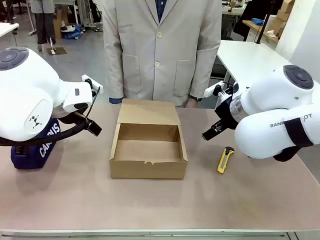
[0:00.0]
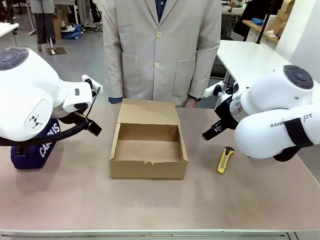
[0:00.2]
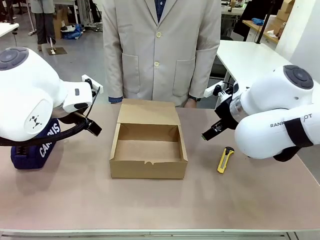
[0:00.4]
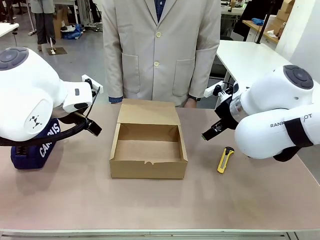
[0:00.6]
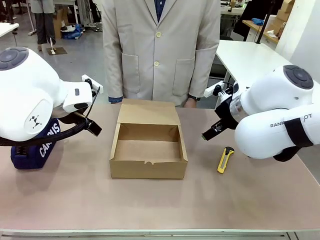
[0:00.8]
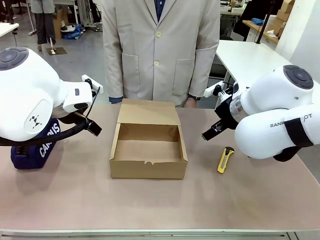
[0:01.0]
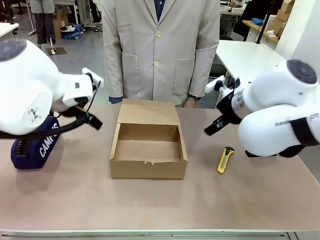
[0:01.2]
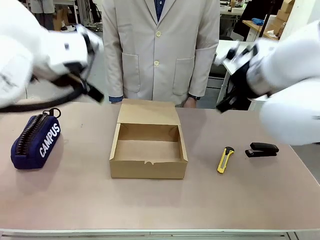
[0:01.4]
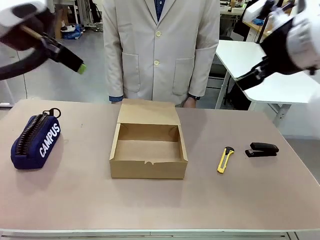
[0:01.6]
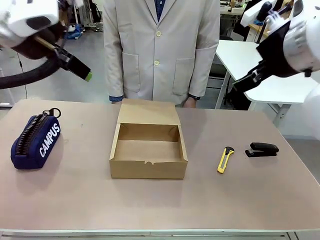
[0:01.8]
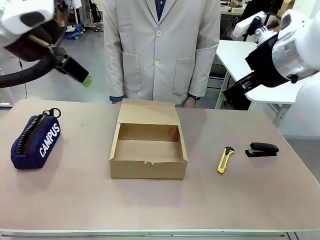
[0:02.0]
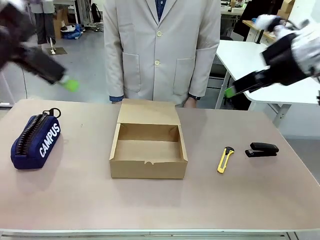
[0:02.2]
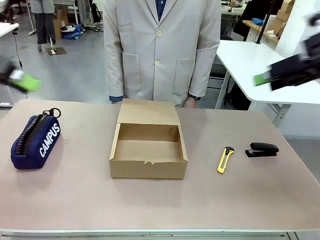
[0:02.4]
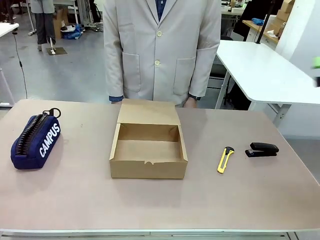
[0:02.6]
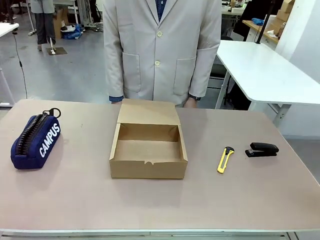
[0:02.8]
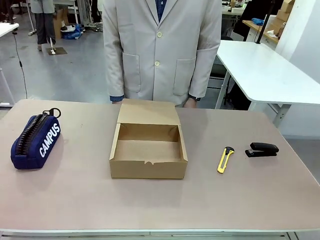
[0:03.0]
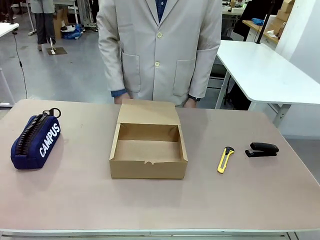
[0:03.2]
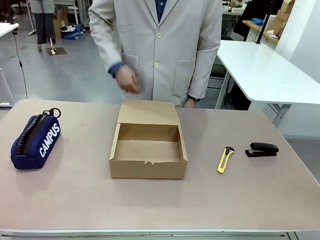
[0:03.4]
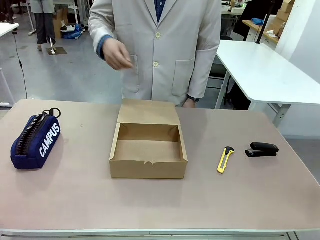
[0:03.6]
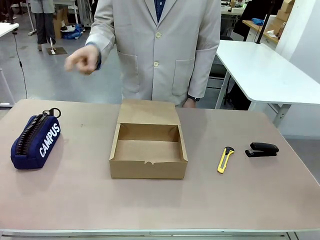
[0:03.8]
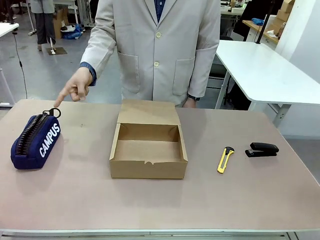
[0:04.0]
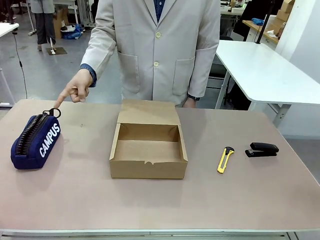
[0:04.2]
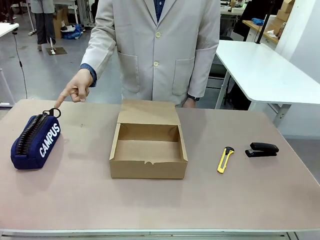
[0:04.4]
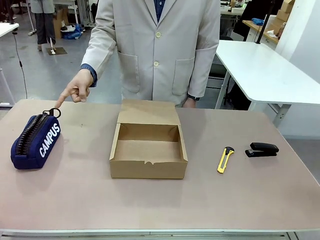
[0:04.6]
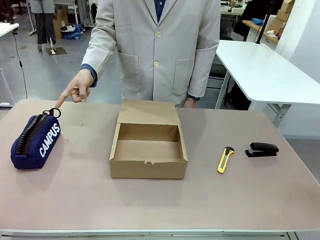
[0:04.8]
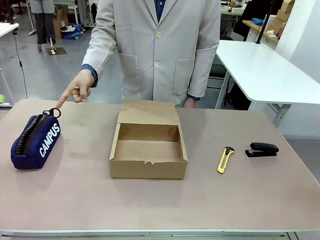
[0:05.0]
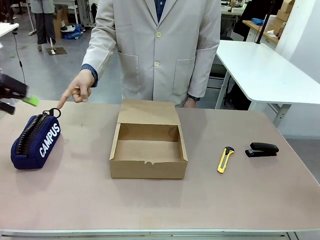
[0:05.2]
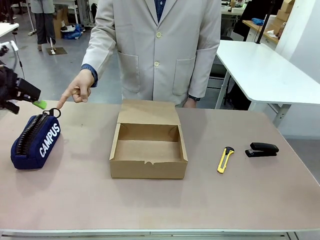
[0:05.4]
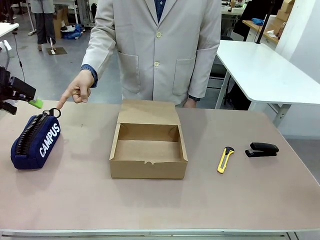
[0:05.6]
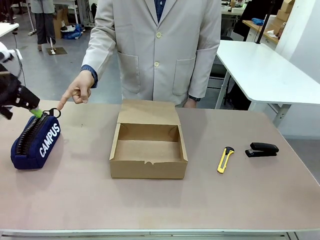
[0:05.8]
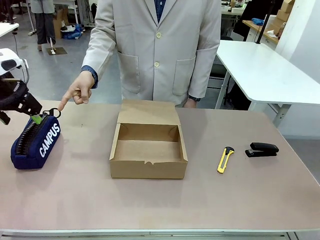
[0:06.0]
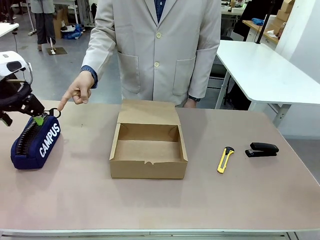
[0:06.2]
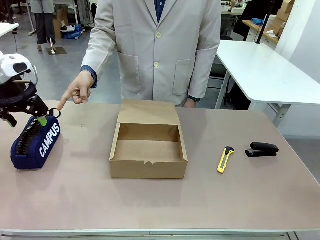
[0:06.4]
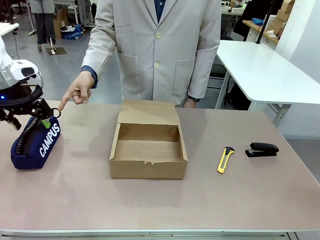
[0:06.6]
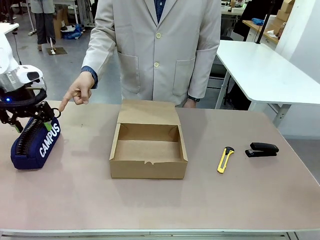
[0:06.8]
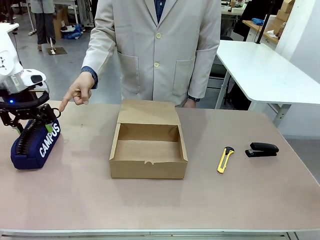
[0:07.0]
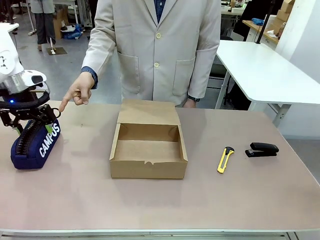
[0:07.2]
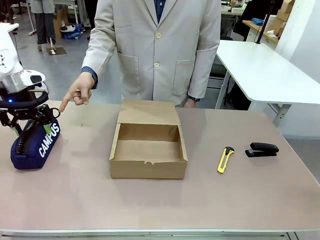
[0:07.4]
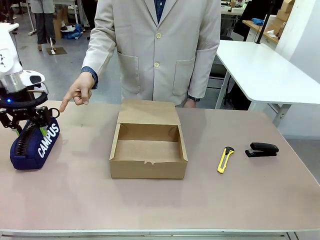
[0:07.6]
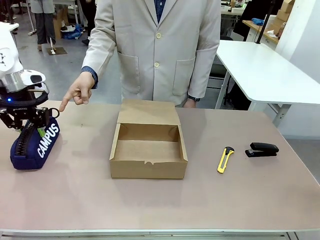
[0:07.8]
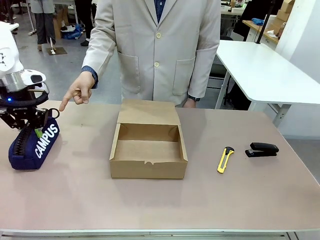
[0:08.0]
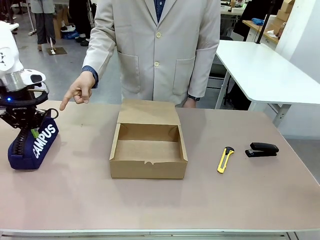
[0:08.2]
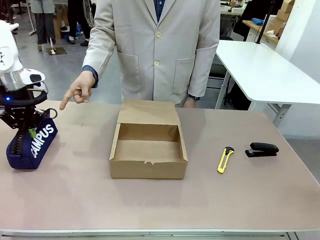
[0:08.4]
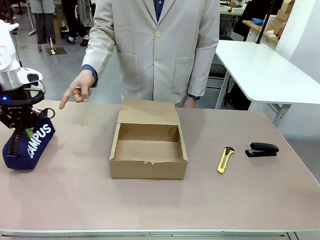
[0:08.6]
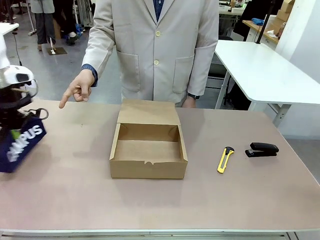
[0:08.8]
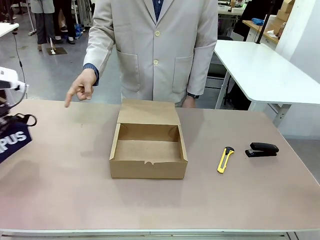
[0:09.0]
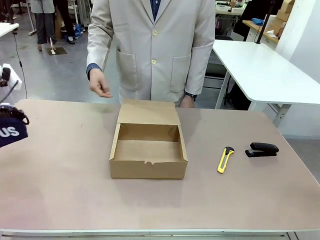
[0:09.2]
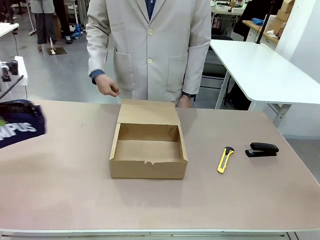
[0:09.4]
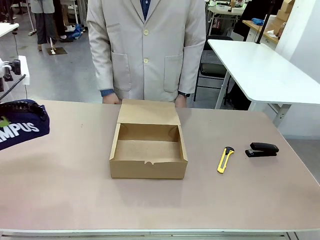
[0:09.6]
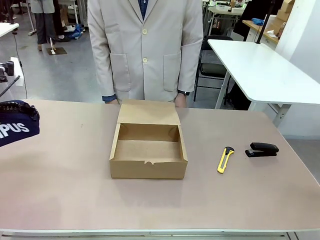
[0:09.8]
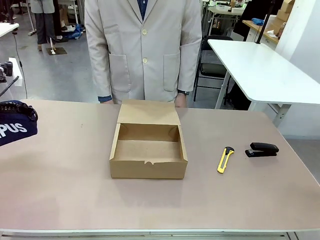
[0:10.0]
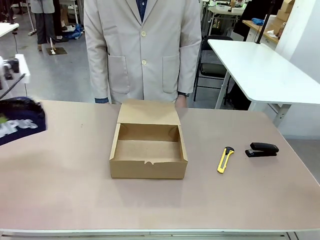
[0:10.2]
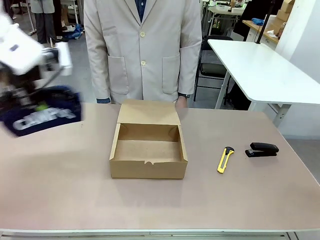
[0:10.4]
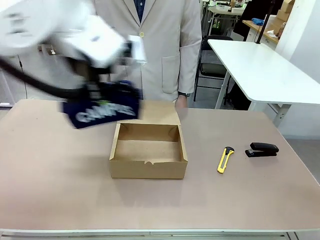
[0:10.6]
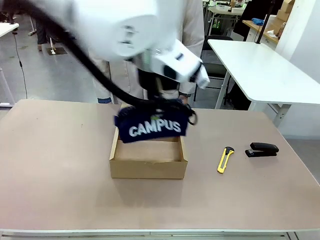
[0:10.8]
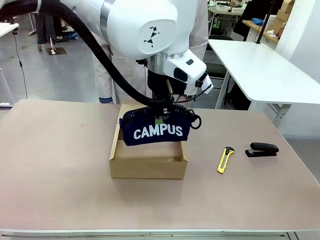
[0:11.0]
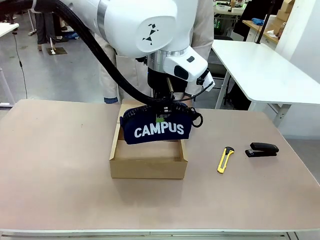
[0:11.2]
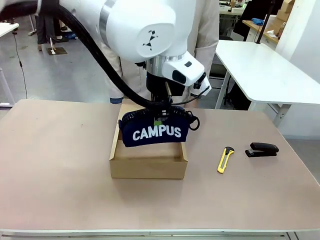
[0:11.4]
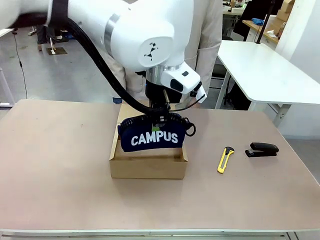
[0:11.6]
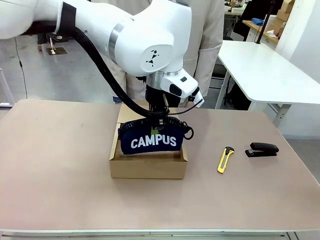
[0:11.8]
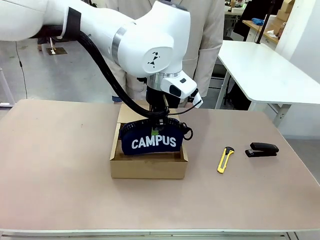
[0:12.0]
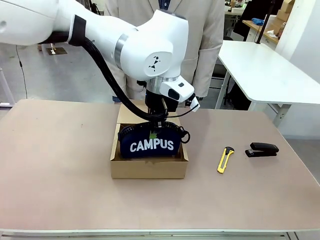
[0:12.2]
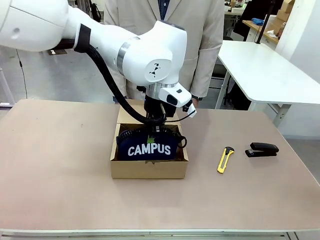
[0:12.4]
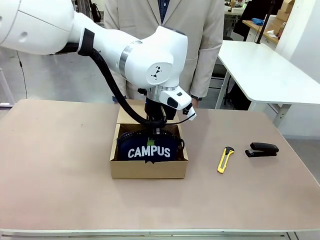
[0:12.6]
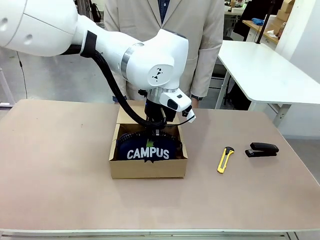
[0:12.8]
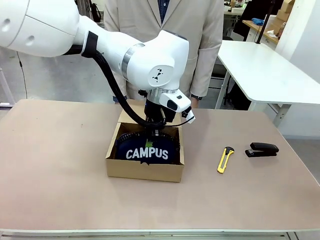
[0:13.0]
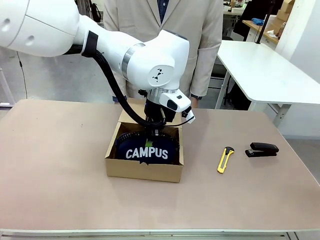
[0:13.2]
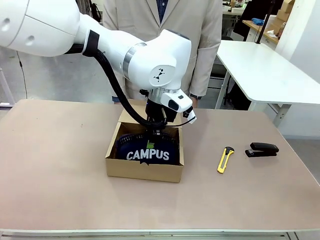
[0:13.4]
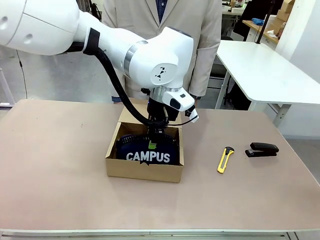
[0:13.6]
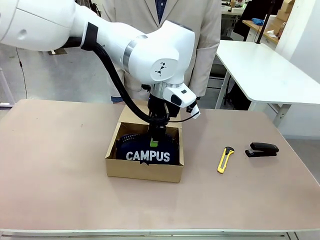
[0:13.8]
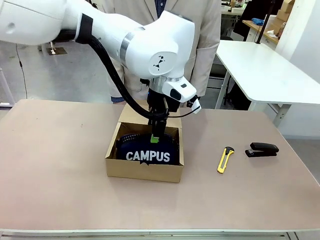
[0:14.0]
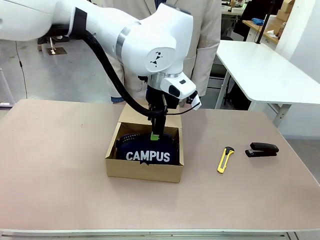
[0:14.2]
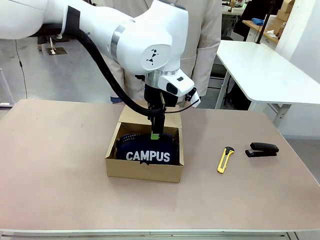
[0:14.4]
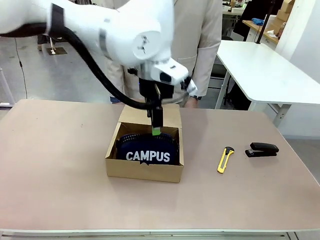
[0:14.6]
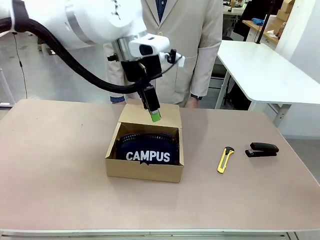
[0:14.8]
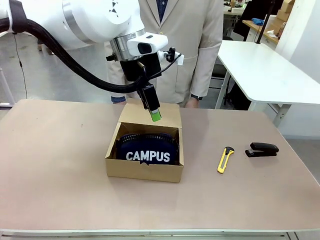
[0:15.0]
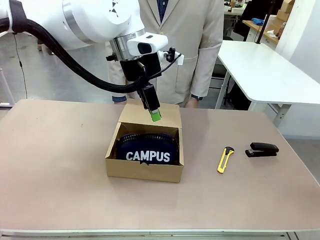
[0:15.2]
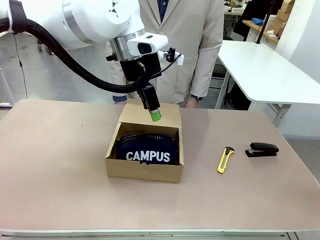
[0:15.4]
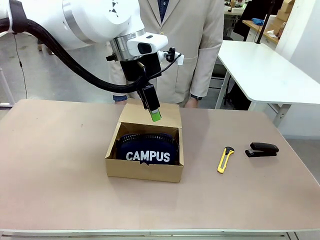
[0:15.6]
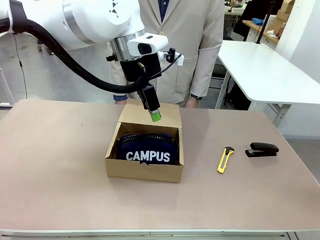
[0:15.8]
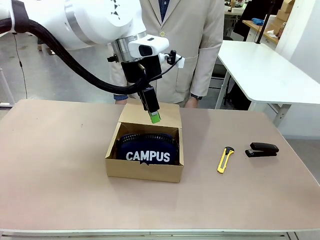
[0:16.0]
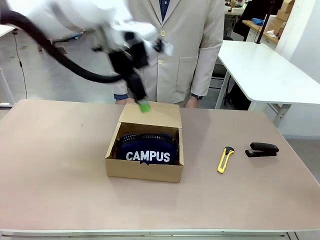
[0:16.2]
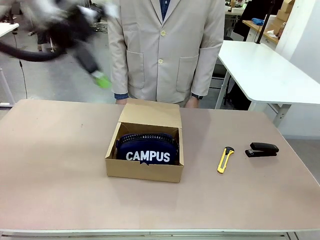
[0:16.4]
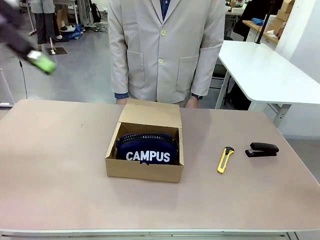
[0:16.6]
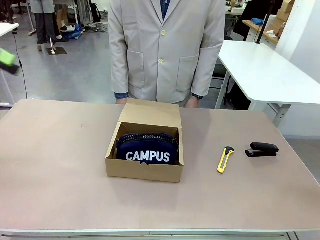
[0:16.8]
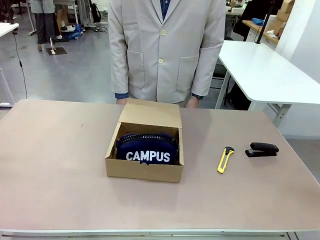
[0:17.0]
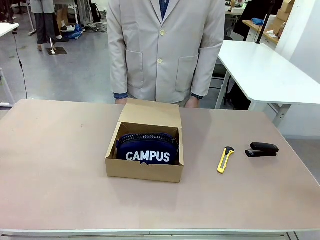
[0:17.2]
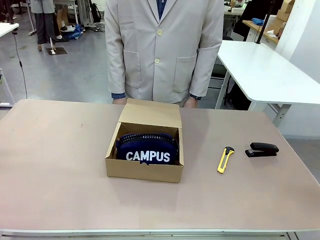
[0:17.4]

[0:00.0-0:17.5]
Task: Pack the item into the box.
Robot: Pick up the item indicated by the person and place it inside the Mailer Box.
Person: Point at one item on the table (excluding the box).
